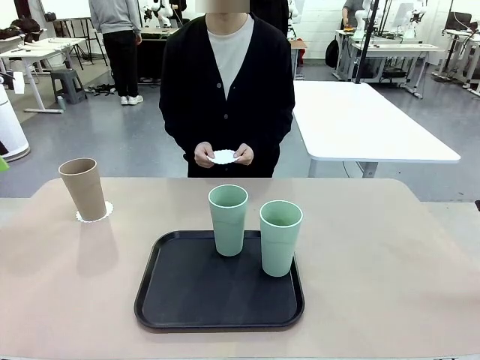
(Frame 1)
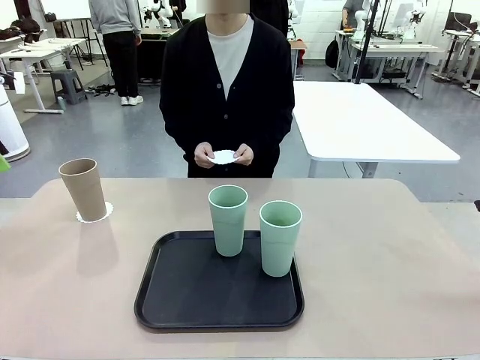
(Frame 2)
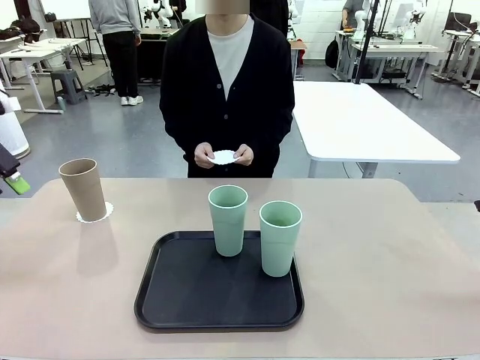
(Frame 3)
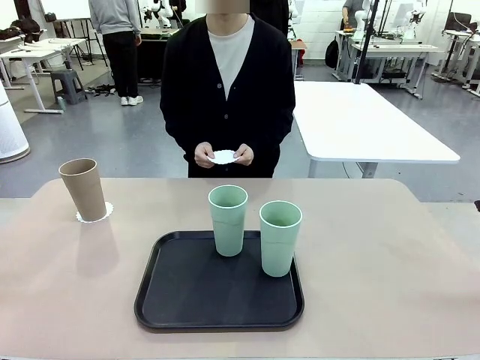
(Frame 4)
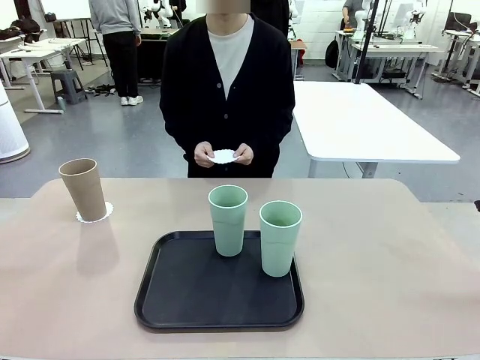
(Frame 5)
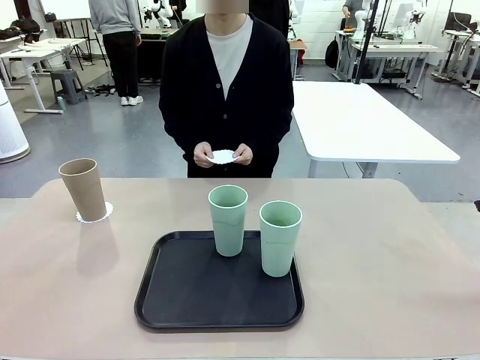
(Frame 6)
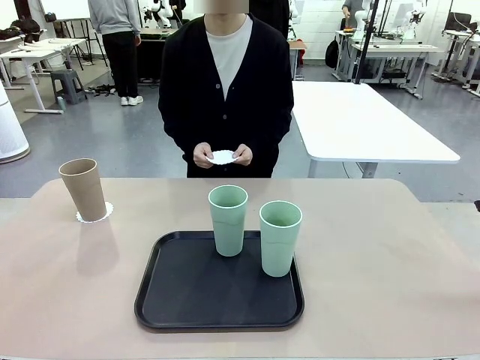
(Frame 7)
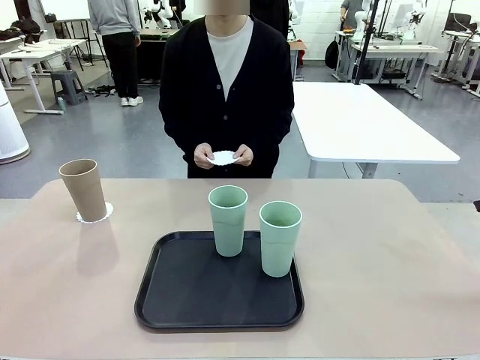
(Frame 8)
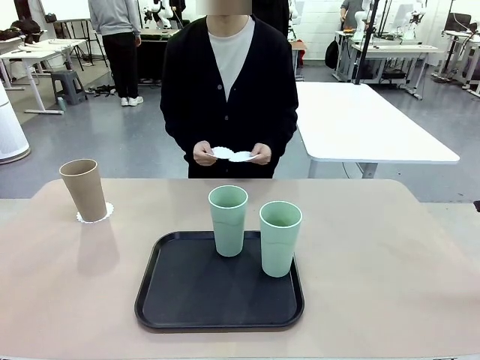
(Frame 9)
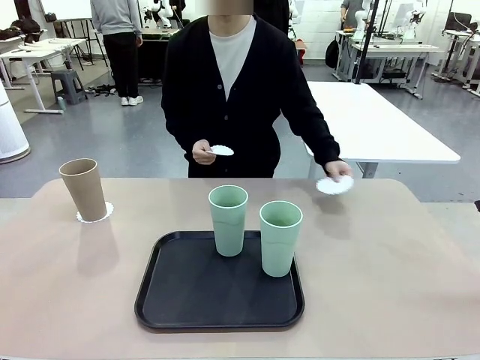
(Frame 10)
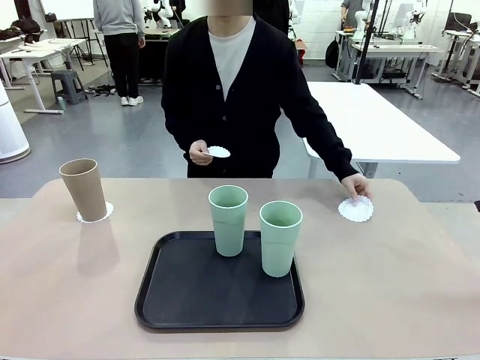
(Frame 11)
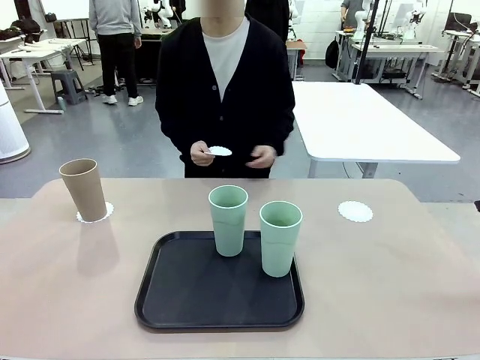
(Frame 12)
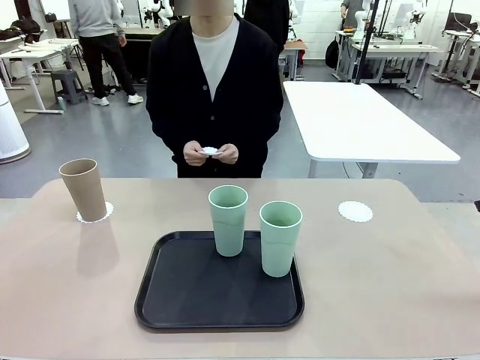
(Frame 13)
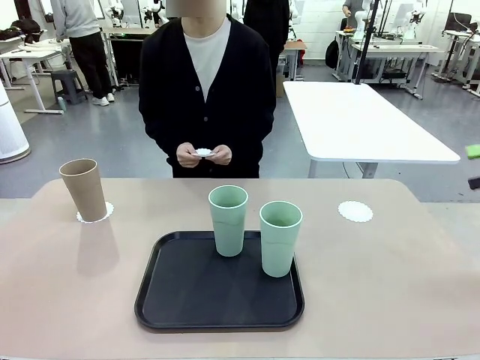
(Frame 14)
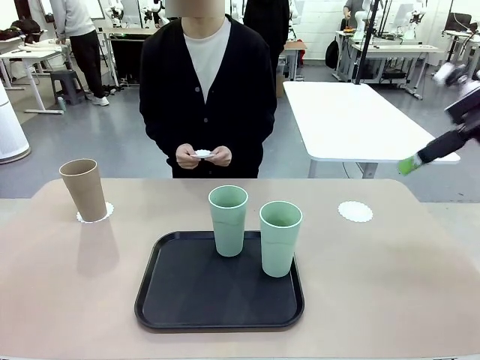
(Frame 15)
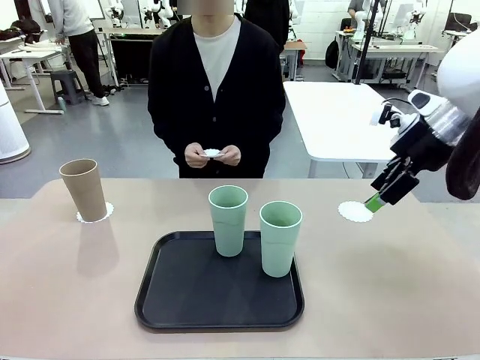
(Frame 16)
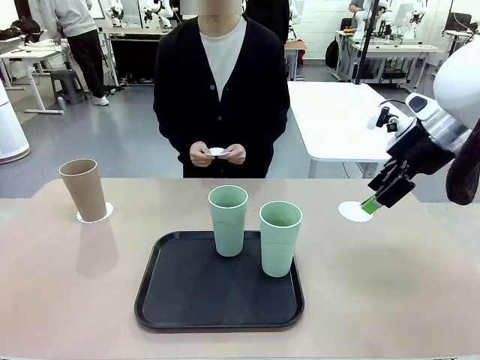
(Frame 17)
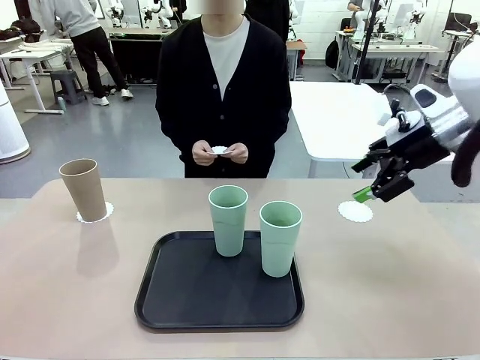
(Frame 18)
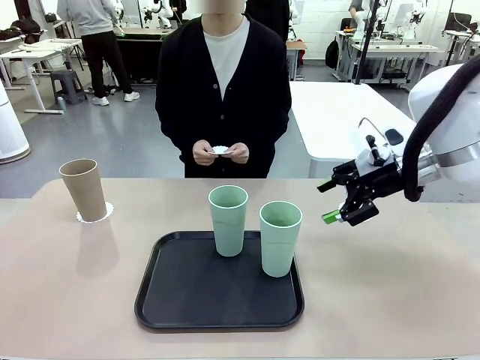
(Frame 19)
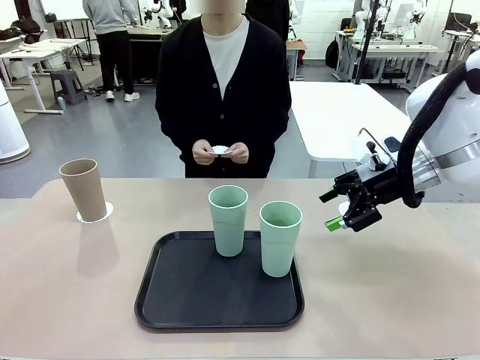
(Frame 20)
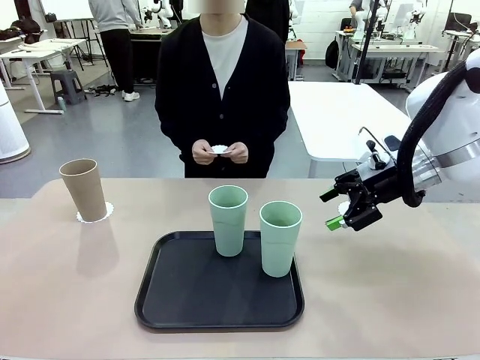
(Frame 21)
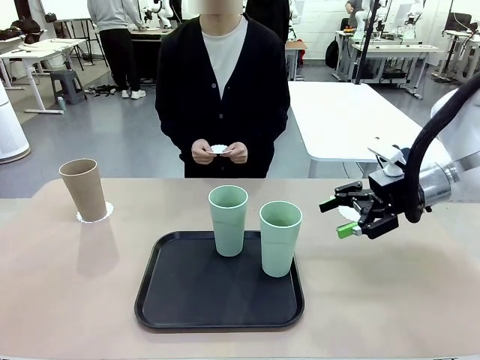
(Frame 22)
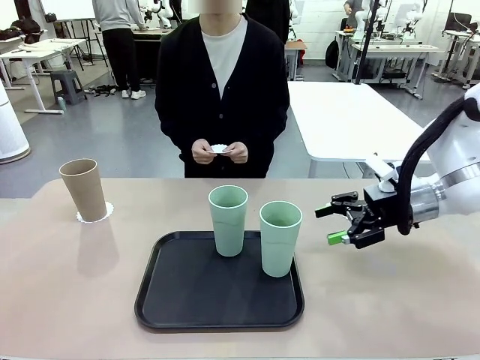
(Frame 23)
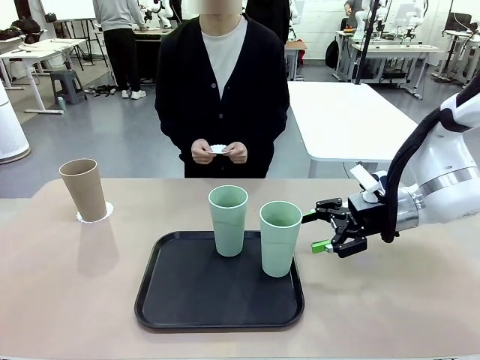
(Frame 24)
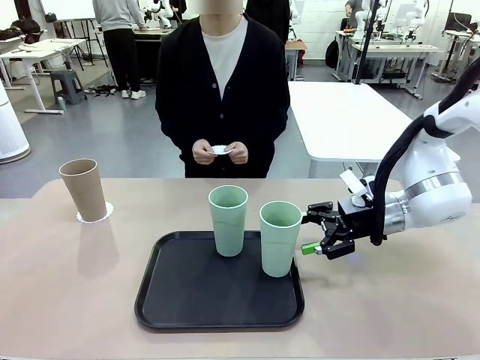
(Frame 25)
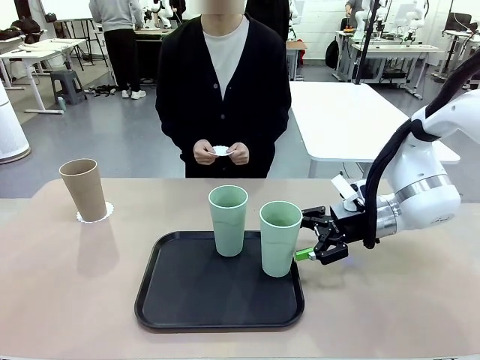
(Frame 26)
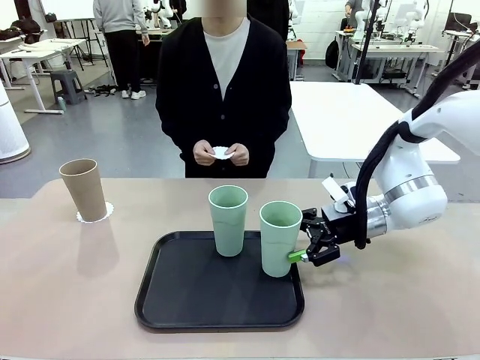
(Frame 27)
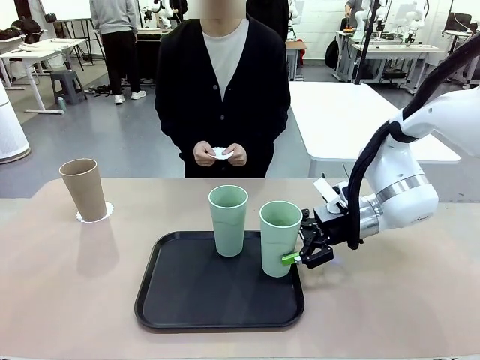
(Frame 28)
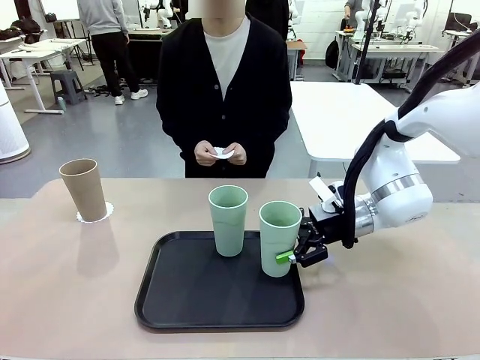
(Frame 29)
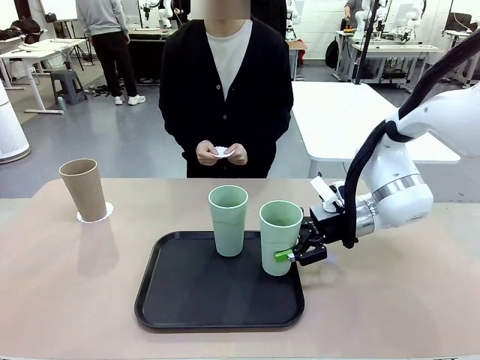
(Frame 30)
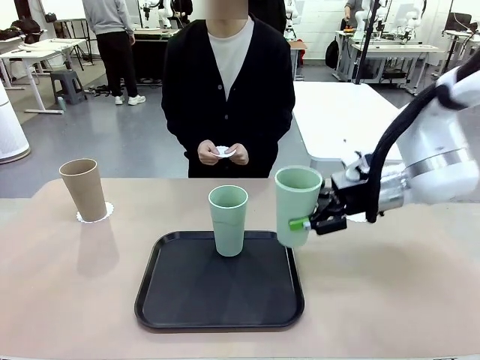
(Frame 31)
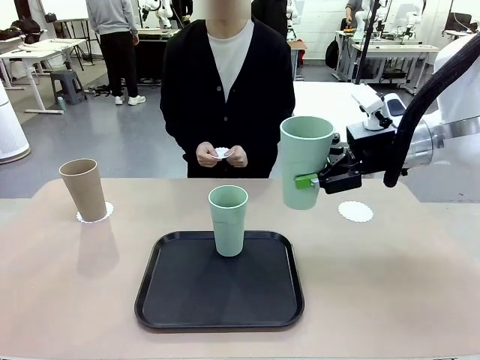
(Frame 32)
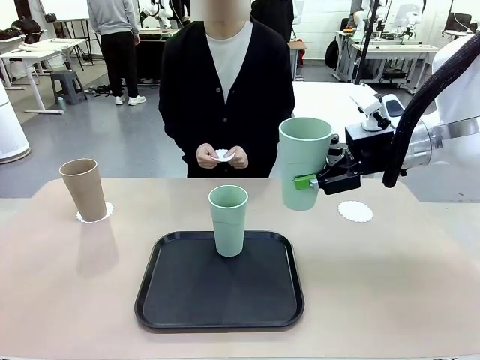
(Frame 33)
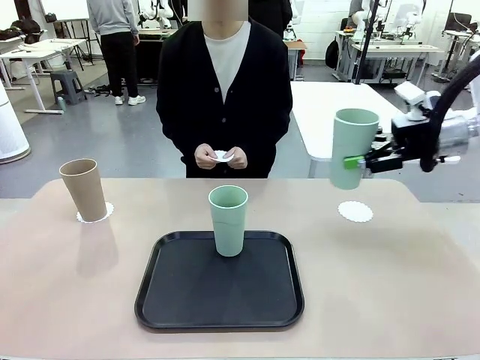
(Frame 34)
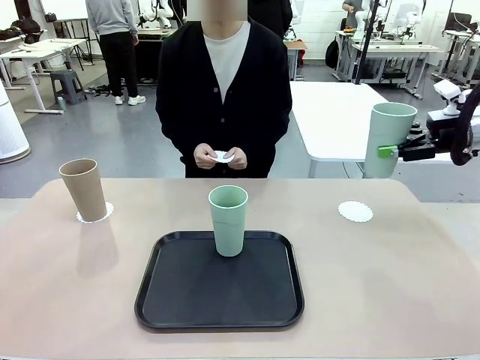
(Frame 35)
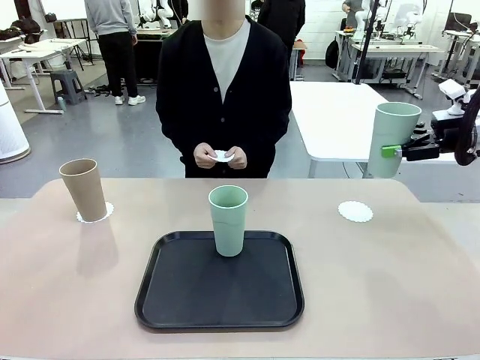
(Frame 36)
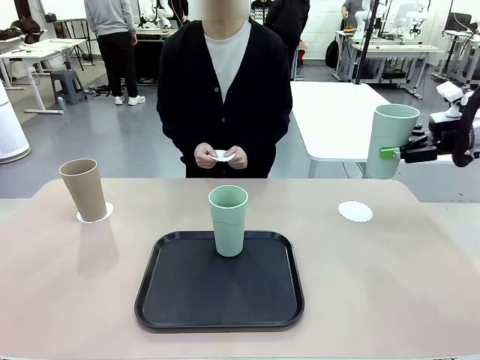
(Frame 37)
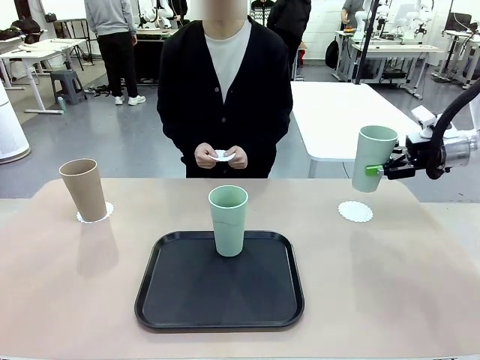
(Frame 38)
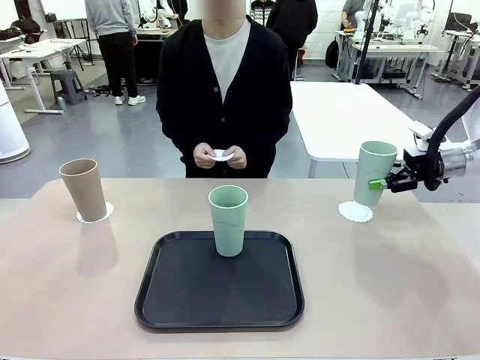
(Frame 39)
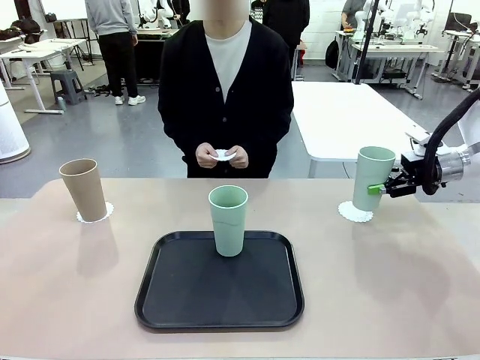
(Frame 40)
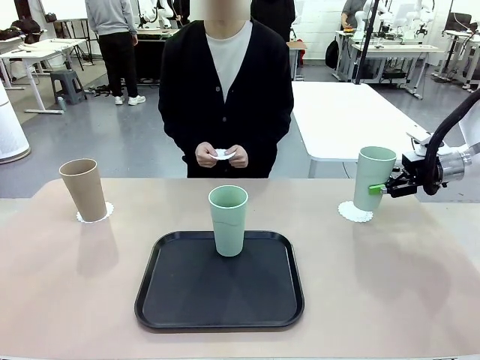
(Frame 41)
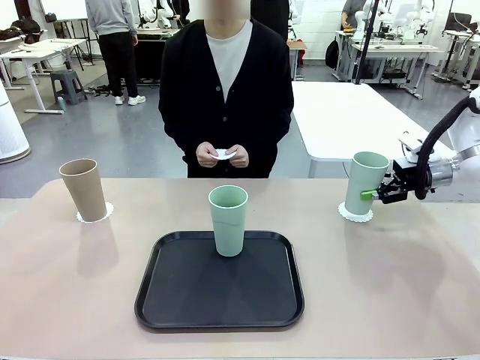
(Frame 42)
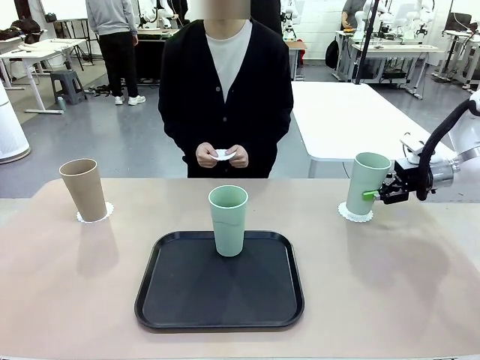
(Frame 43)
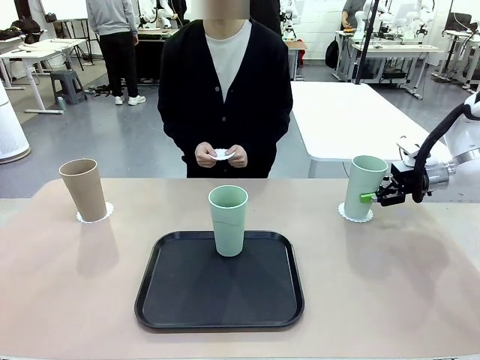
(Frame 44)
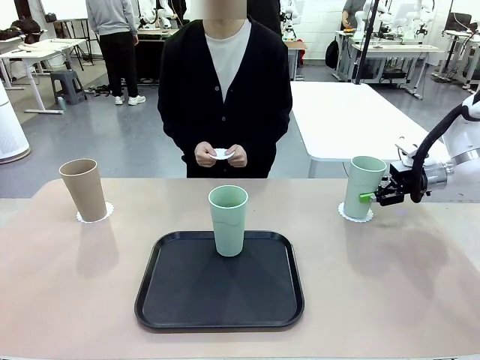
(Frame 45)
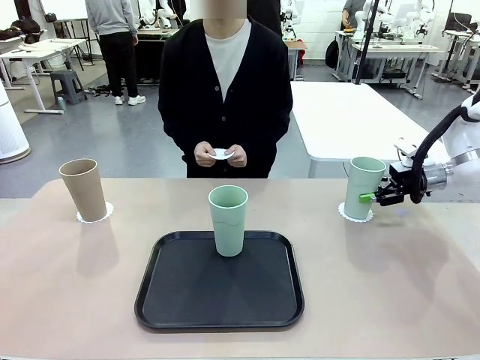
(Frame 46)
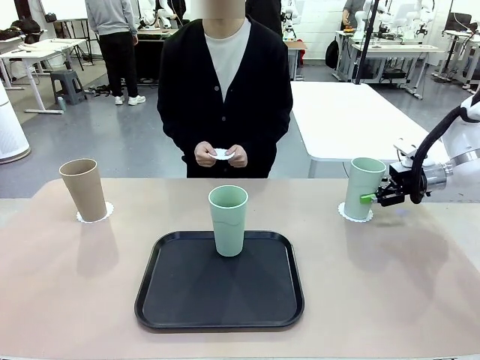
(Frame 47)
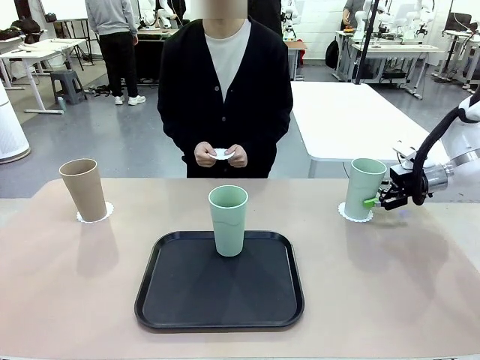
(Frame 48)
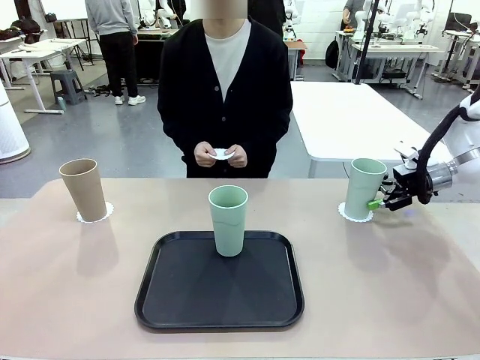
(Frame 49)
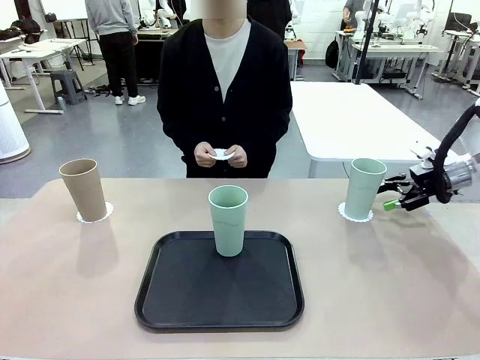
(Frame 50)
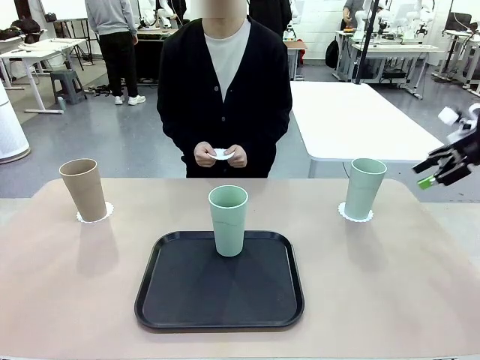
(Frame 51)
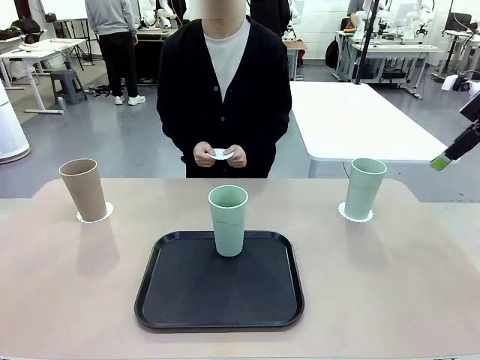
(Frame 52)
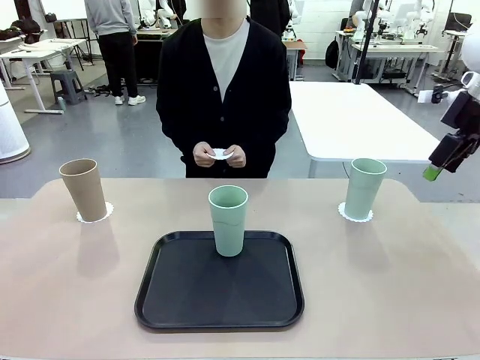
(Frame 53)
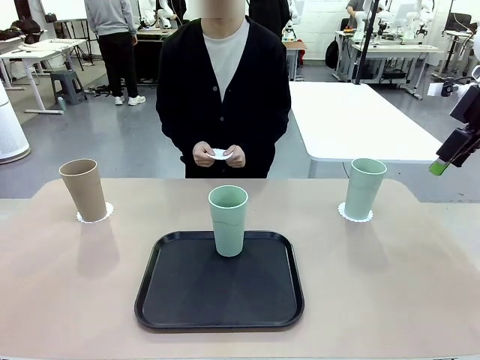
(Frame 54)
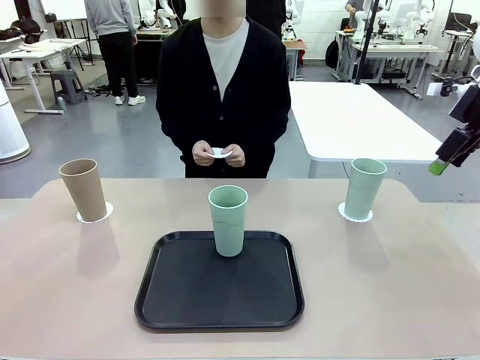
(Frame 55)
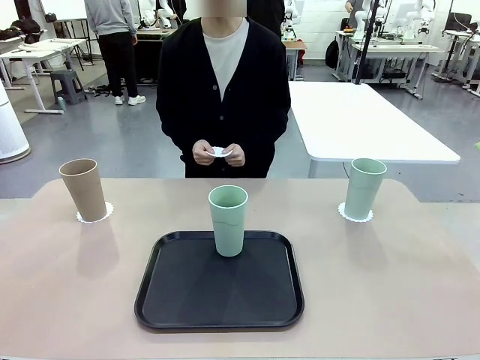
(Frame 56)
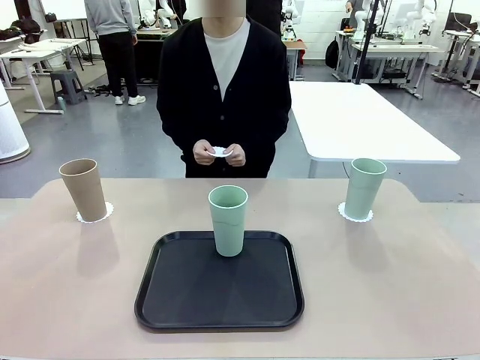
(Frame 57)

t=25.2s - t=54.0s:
Task: Place coasters on the table and set cups on them.
Robot: Take one Reusable plastic cup from the Flat Tray and place it on a coaster set by the human.
